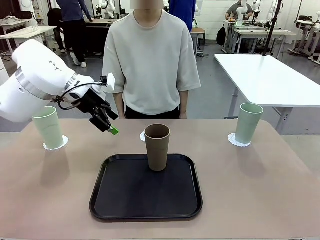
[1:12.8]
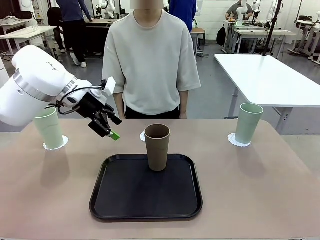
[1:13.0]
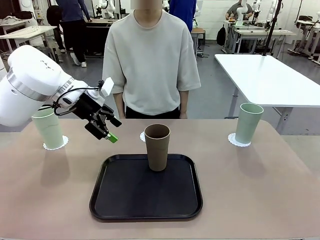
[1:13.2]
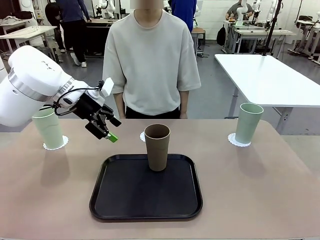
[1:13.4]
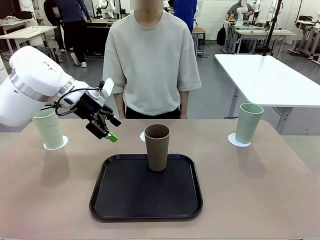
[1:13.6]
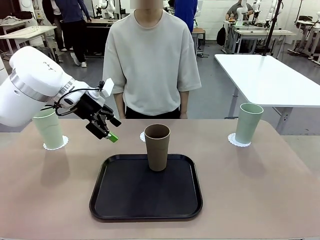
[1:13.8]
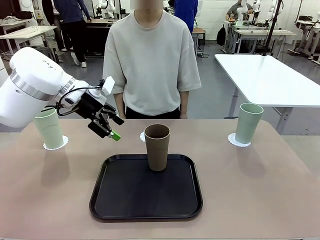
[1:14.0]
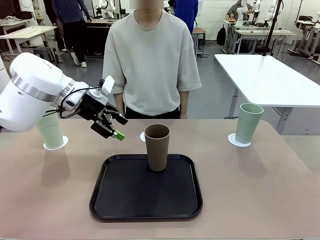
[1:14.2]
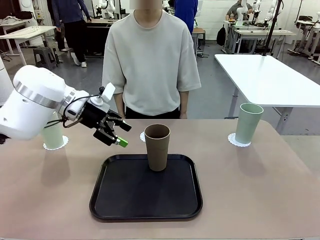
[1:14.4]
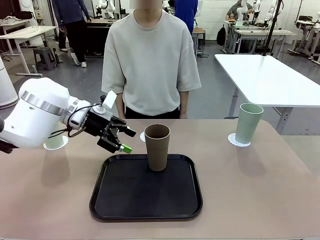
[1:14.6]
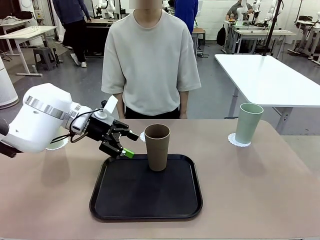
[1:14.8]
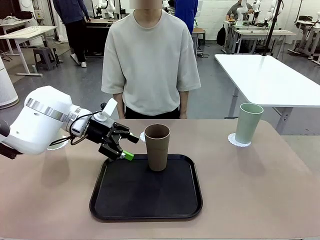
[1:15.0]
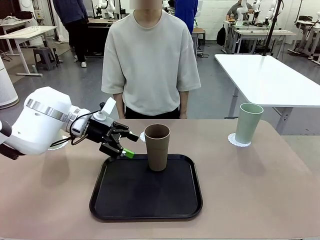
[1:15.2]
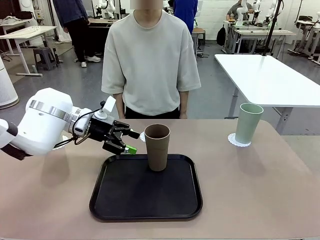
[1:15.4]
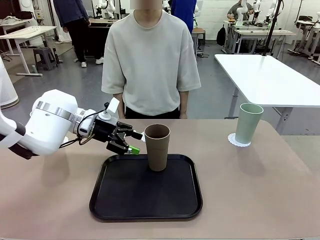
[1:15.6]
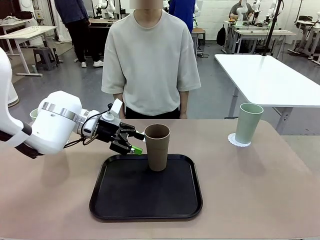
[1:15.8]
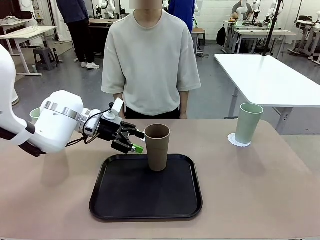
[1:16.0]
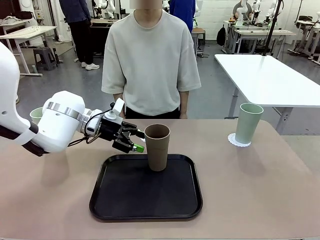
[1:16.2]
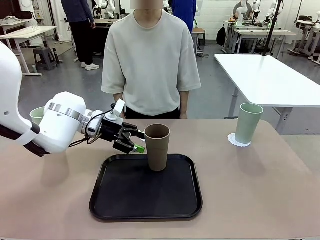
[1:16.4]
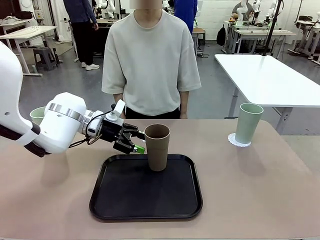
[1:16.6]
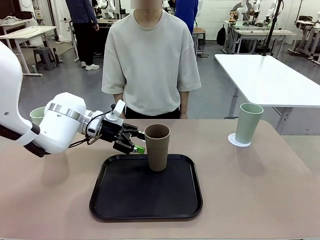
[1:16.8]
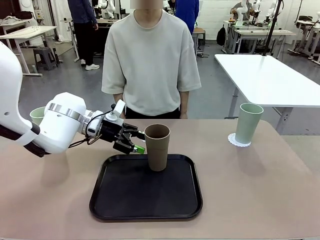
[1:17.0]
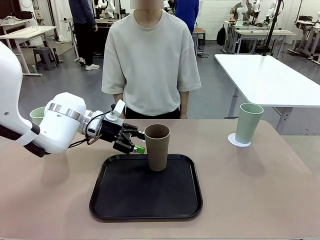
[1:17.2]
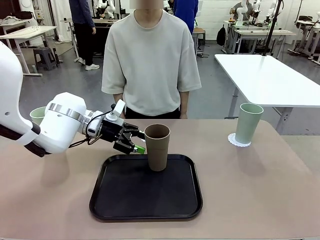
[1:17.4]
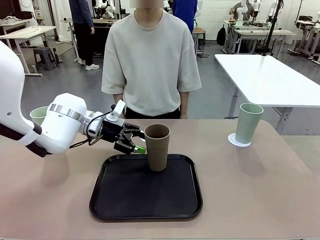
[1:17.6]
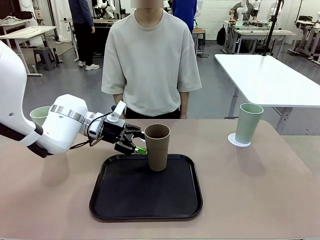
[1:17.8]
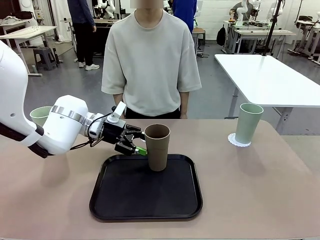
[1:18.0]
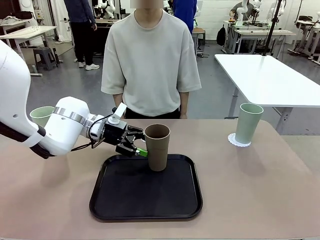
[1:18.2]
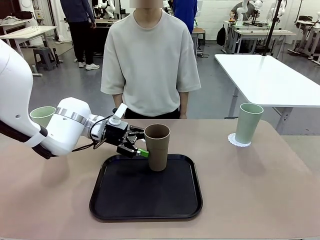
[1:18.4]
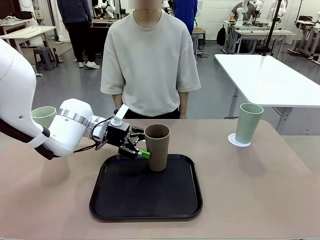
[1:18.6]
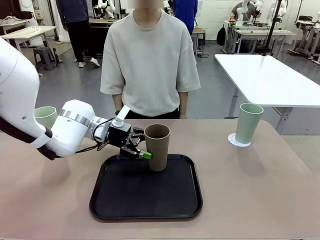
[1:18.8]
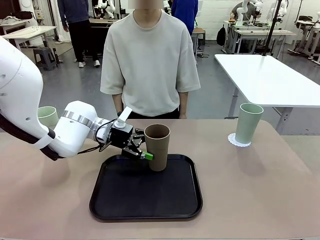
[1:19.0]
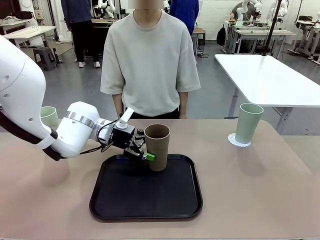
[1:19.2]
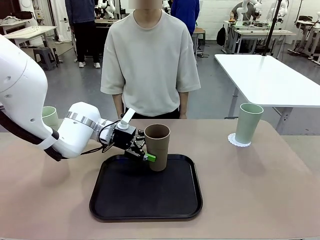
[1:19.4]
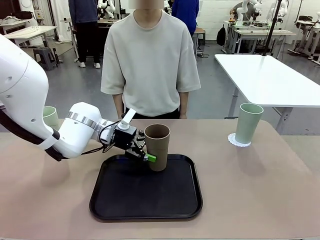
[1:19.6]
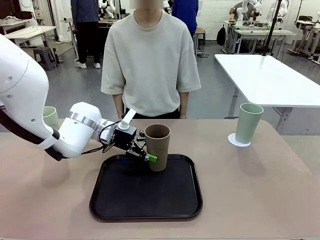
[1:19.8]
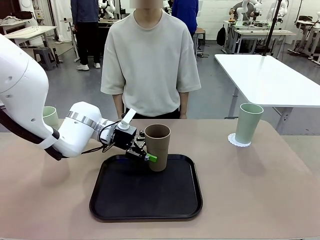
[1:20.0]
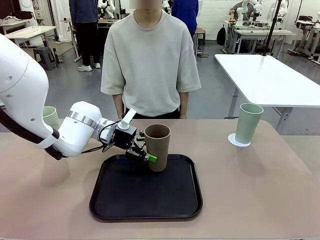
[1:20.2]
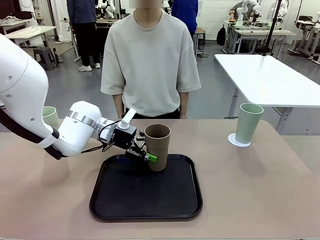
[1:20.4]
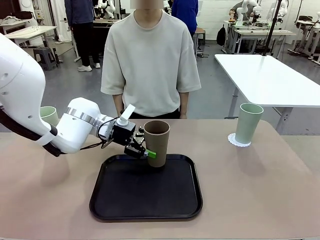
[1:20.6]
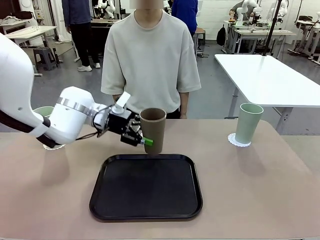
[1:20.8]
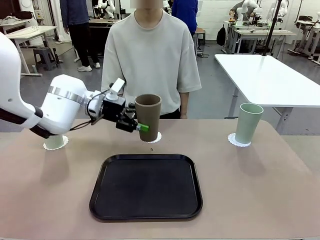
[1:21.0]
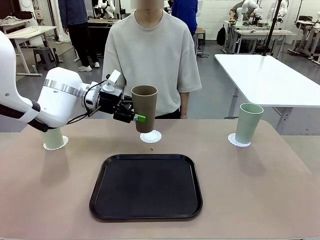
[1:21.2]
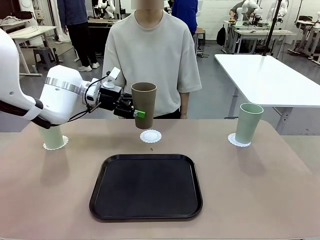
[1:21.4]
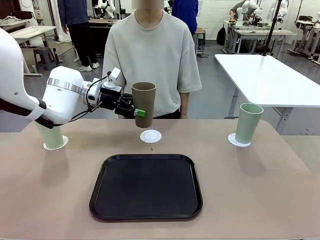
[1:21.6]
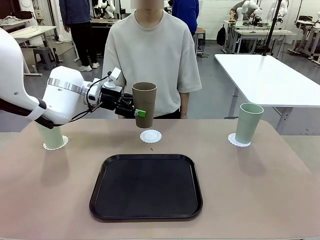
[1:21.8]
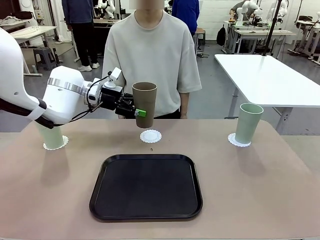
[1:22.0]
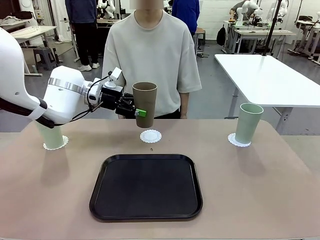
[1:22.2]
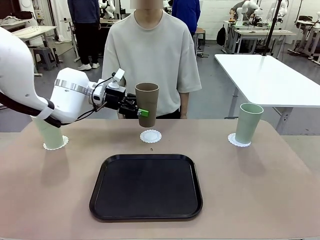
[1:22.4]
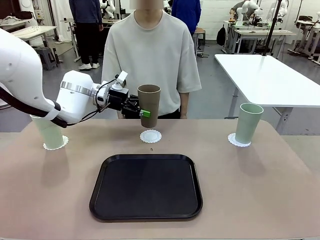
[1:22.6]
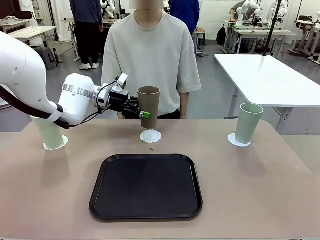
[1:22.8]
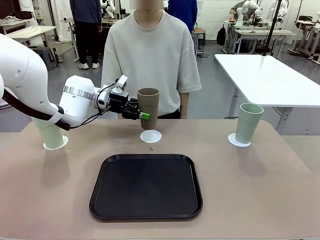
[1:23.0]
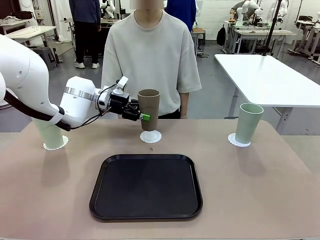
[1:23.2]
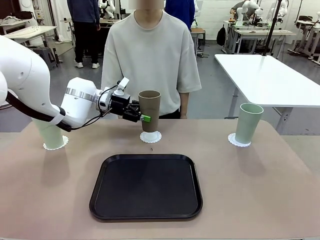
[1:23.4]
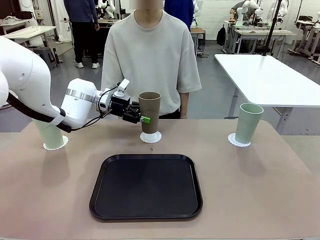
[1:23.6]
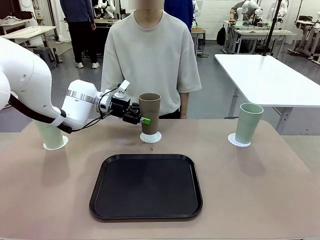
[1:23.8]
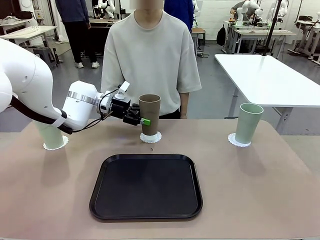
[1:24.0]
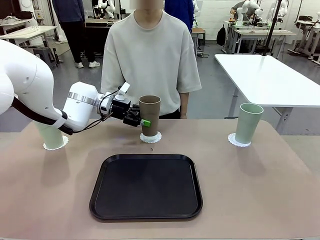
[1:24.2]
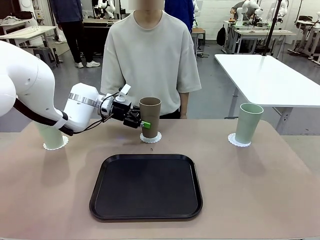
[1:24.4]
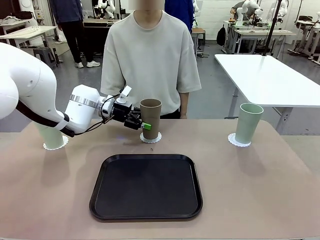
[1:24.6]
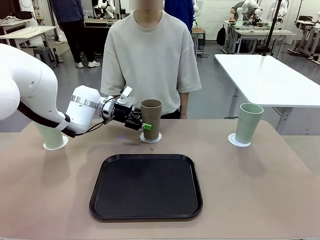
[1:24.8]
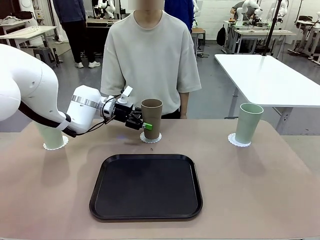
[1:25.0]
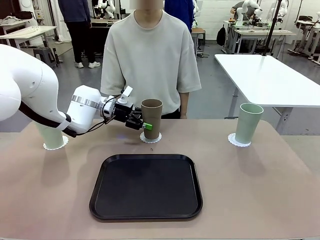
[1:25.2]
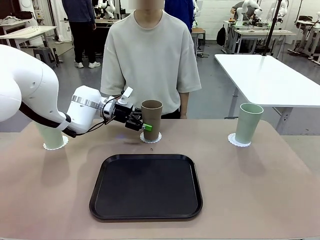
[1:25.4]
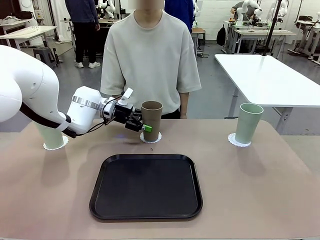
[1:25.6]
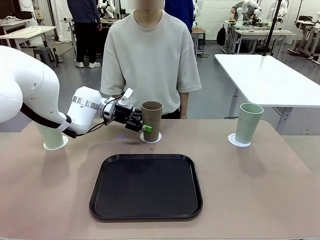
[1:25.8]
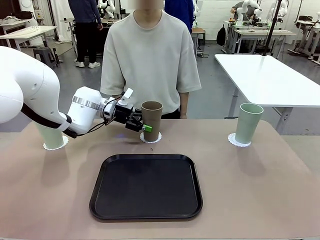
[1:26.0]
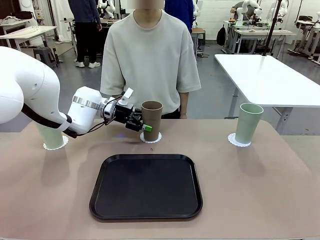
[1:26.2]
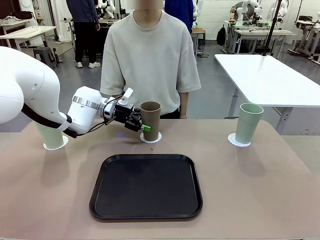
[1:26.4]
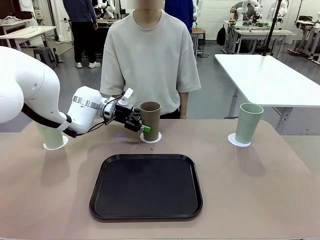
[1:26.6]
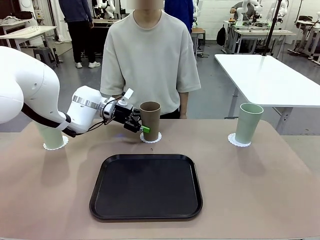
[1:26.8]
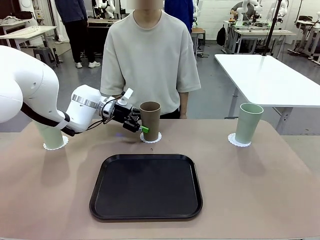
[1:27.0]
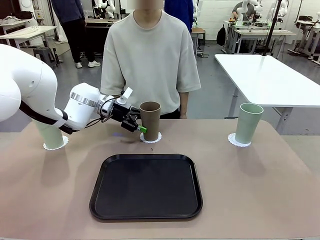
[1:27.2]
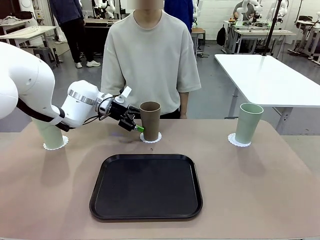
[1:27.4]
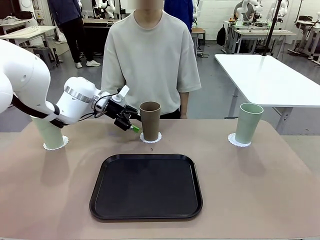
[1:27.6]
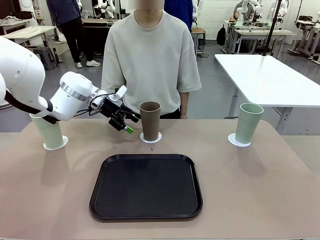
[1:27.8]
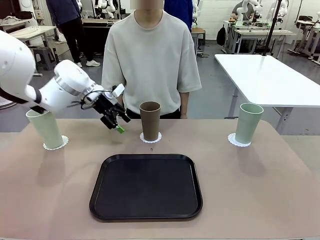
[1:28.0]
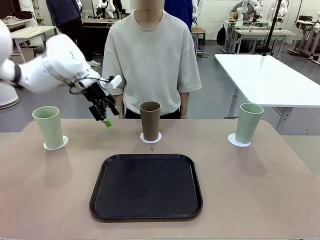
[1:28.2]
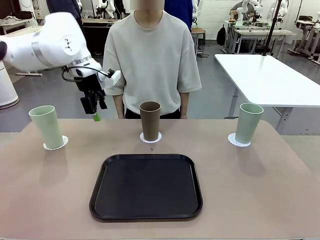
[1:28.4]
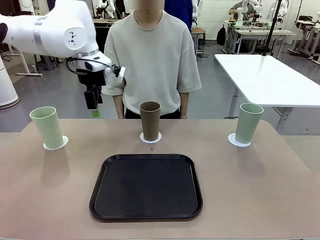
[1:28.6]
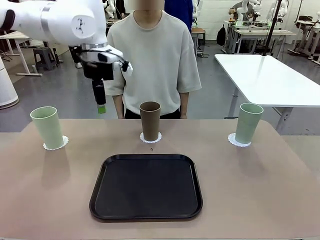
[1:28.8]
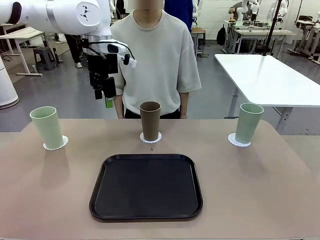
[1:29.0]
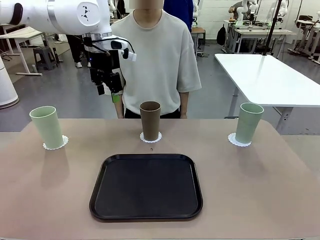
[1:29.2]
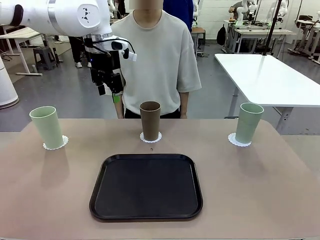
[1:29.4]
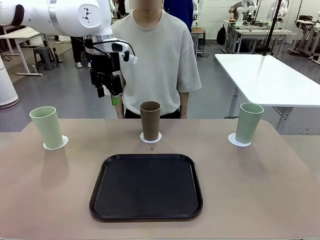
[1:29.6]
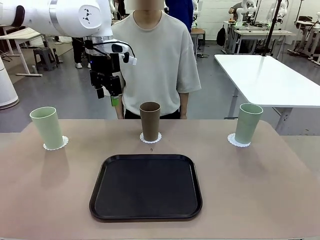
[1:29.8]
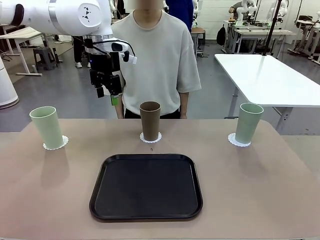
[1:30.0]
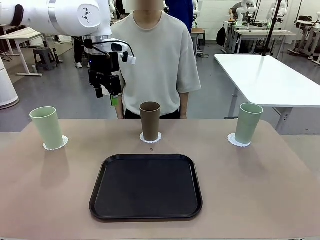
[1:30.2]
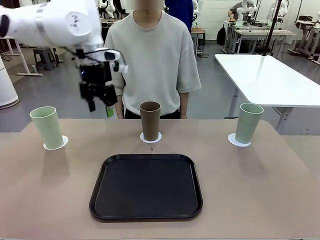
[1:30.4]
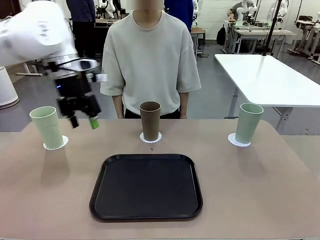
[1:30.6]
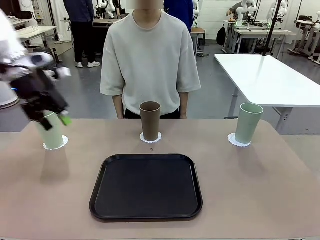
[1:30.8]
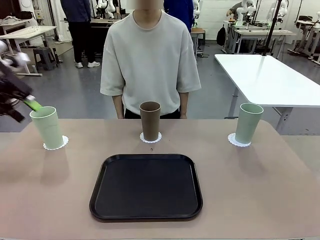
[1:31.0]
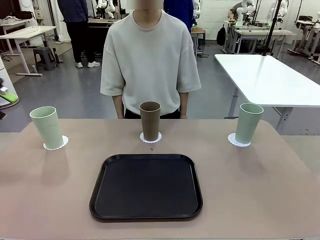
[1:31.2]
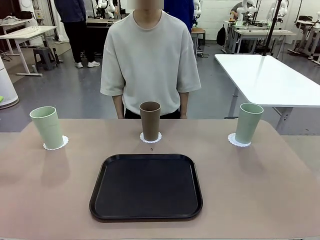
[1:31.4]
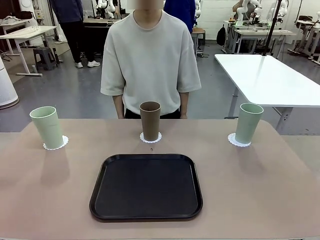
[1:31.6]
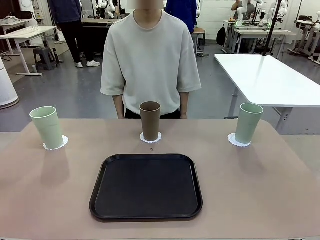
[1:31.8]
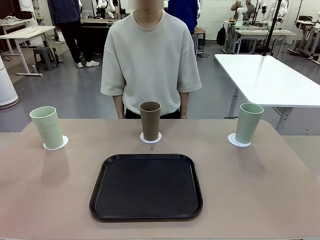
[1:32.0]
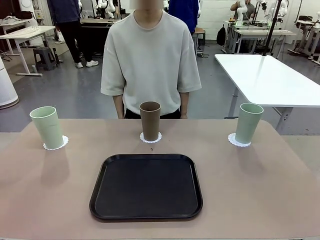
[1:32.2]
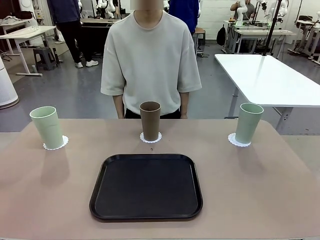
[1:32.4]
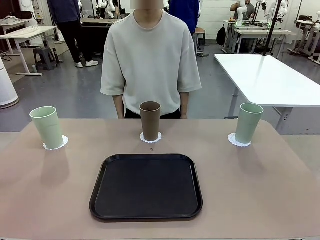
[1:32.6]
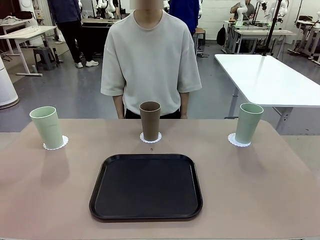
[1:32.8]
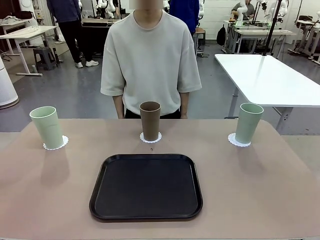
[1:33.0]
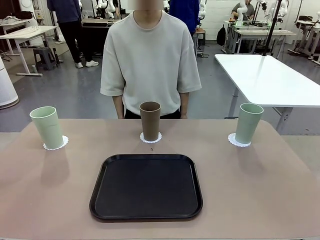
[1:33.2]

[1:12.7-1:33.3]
Task: Place coasters on the table and set cups on them.
Robot: Take one Reusable plastic cup from the Flat Tray and place it on a coaster set by the human.
